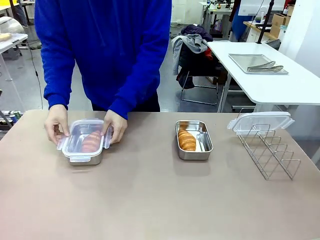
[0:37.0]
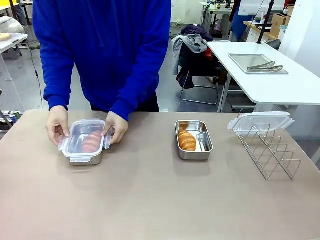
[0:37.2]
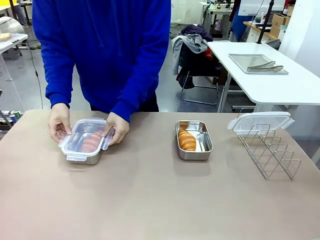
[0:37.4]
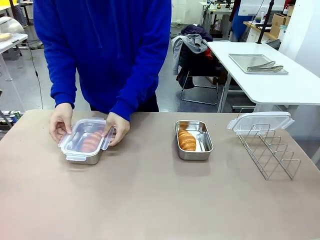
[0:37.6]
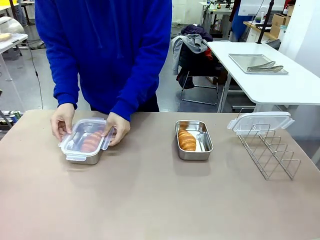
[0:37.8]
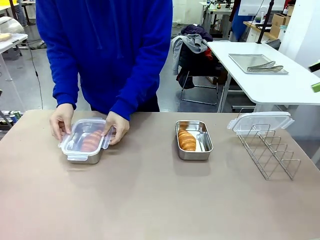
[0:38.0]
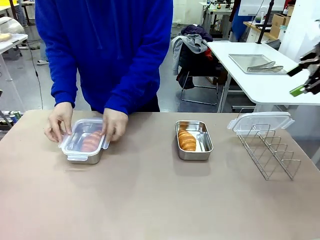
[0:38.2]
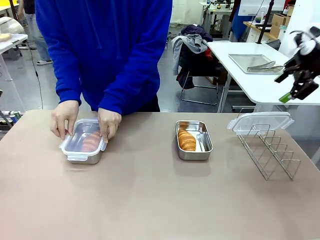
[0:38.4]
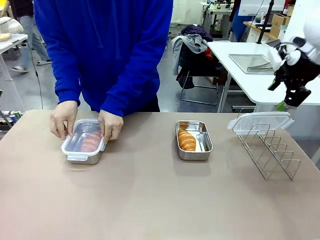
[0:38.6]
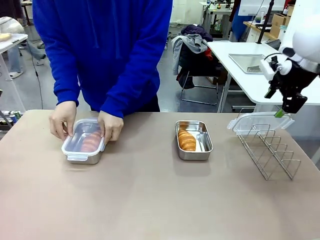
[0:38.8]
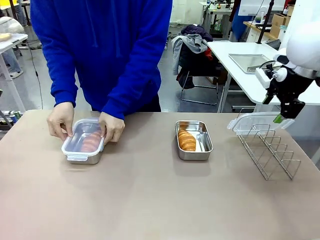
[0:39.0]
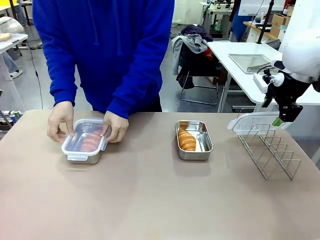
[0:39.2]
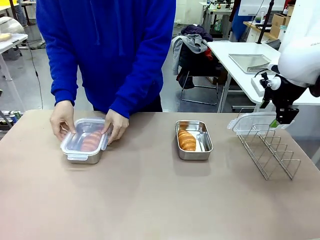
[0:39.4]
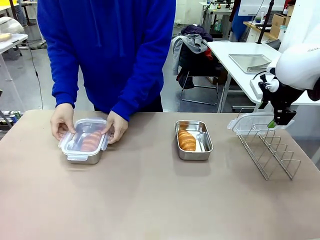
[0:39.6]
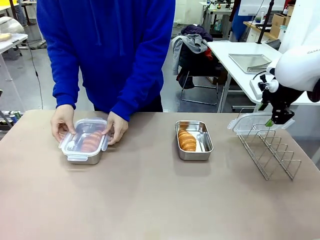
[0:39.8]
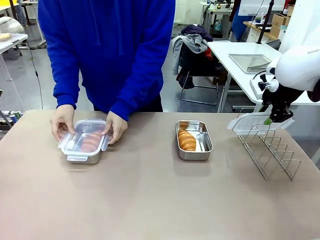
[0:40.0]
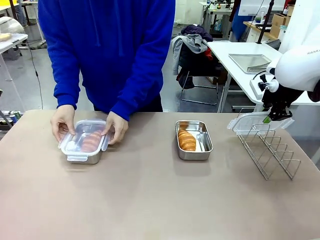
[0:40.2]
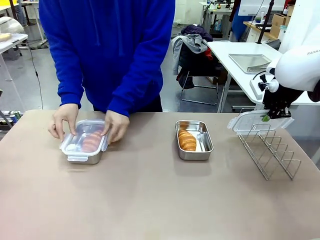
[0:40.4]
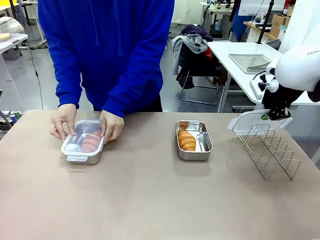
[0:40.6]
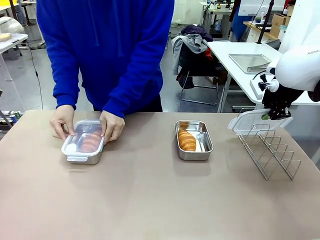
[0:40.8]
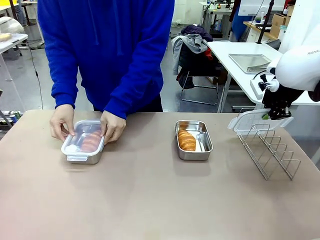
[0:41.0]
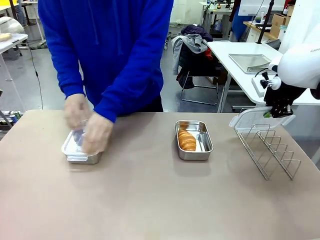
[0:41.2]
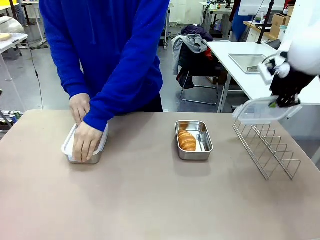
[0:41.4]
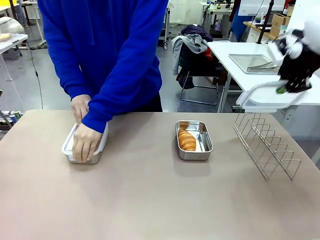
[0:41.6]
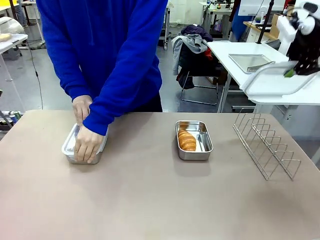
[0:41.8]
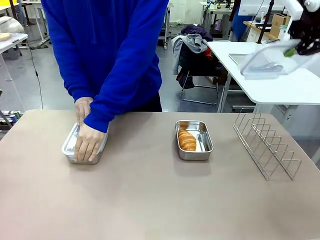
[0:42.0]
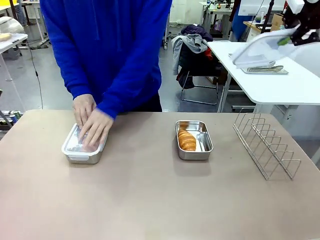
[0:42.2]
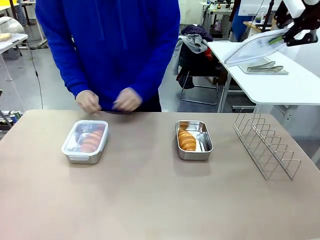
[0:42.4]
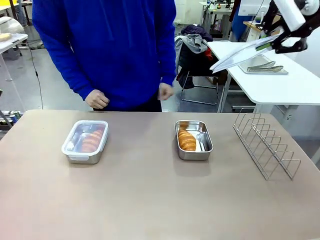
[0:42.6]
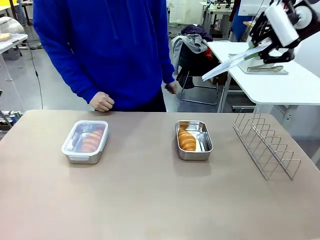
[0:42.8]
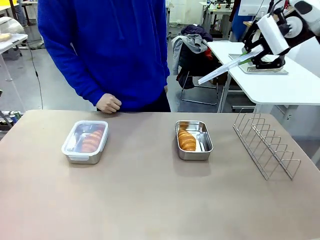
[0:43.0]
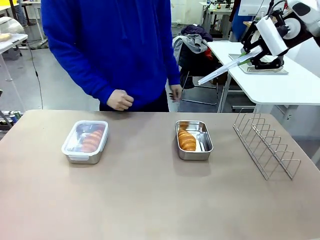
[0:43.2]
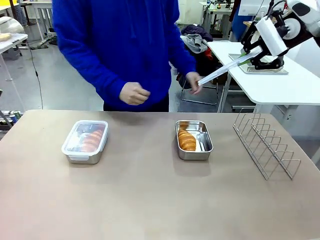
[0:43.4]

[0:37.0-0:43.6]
Task: Place the bread in airtight containers.
Robot: Pick up one Airtight Container lid and hand it to the human.
Person: Close Airtight Container with a handed Airtight Container lid.

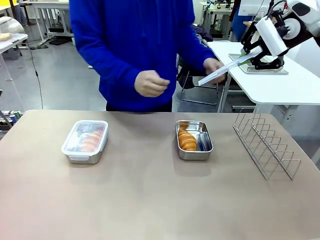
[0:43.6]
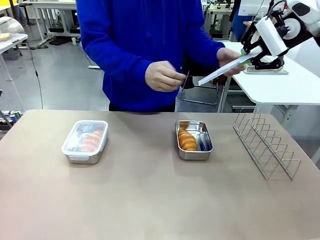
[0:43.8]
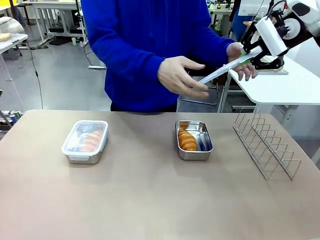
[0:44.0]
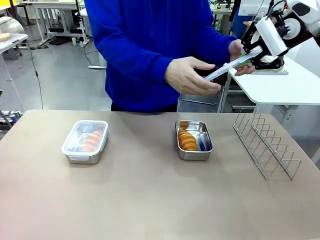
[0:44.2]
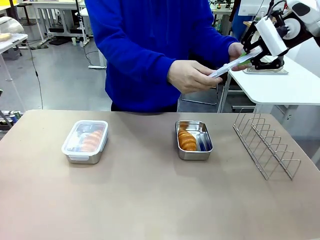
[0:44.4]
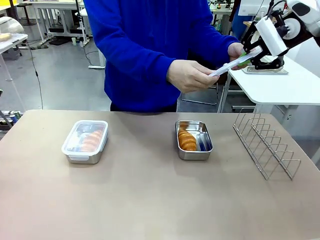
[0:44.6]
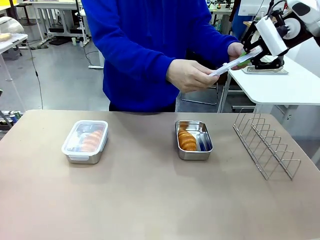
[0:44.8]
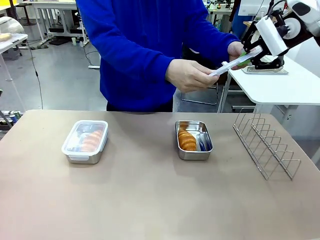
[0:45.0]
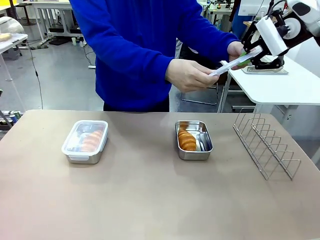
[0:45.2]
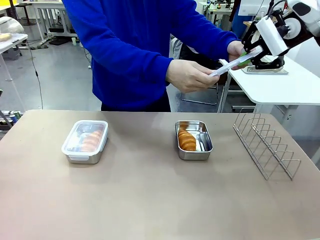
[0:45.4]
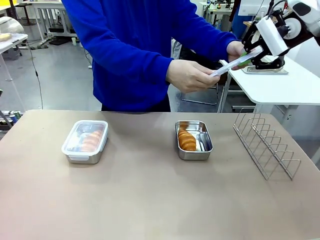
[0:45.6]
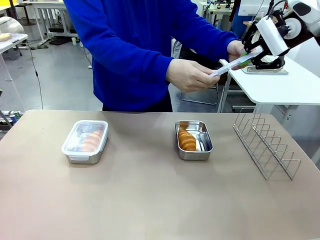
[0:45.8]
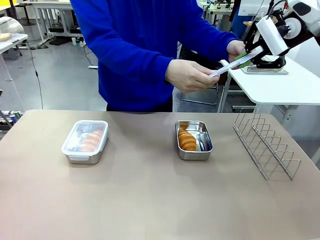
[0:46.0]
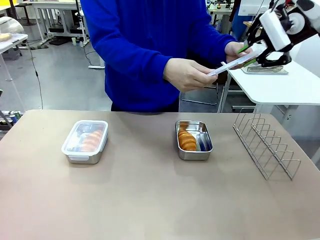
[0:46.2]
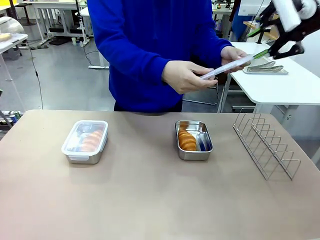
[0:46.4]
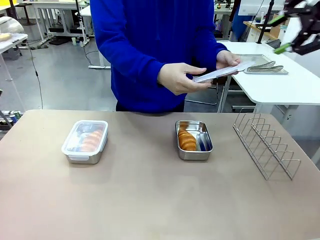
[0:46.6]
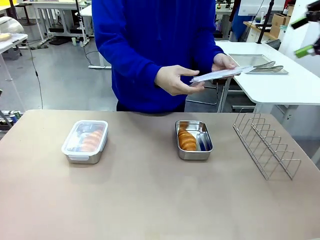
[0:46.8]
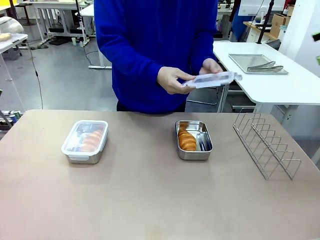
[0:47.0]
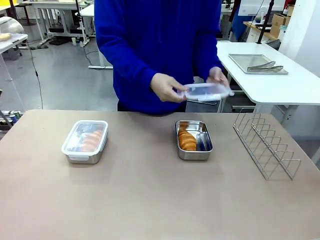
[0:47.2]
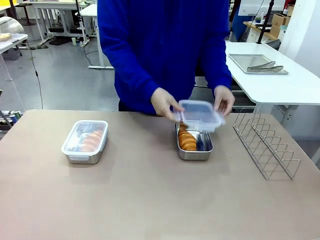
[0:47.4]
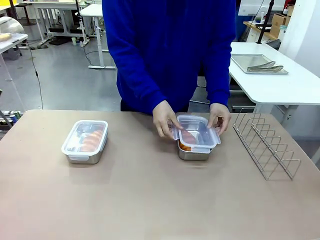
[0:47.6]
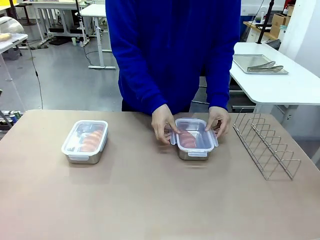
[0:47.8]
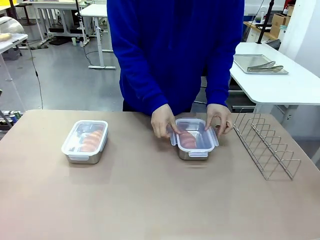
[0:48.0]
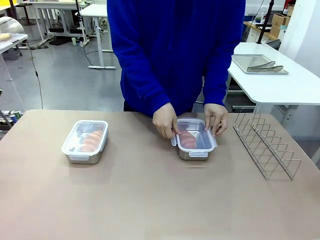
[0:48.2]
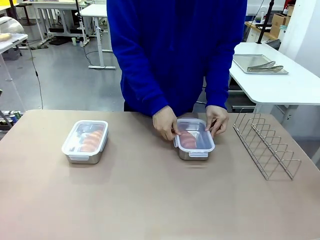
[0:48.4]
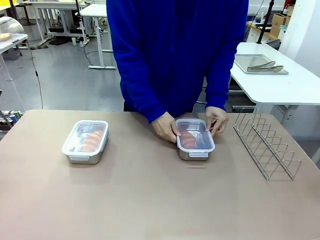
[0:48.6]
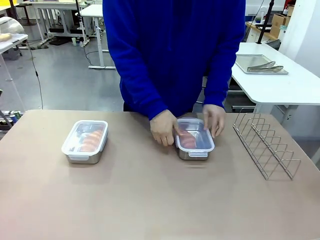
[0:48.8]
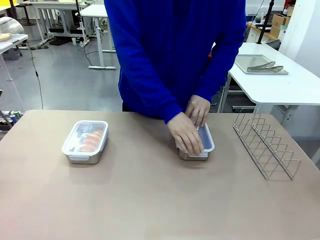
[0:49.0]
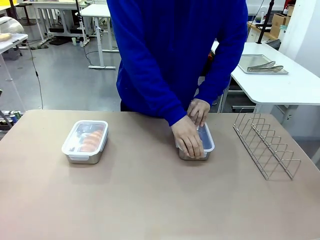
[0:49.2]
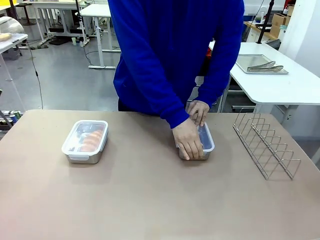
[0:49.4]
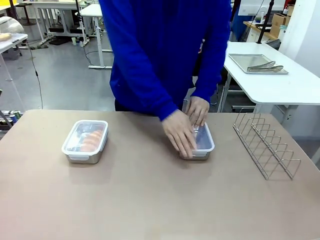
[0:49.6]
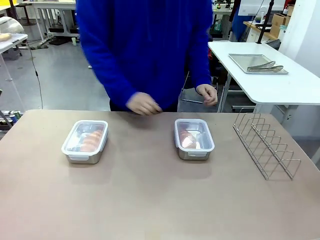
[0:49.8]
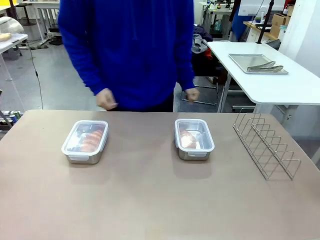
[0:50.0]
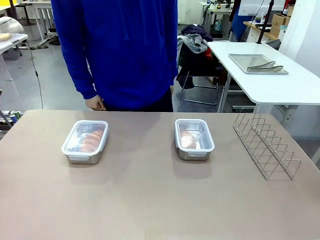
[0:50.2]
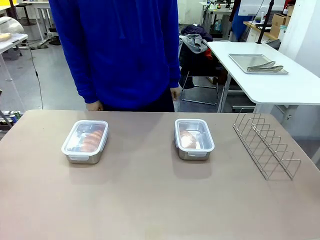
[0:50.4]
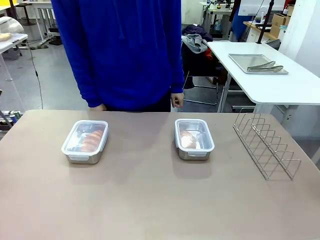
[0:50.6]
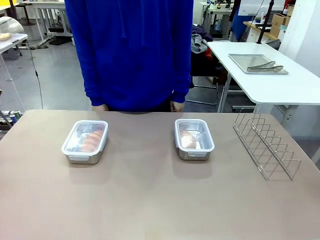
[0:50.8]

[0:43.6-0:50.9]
Robot: Release when the human grabs the Airtight Container lid.
Person: Grip Airtight Container lid that robot is handing. Close Airtight Container with a handed Airtight Container lid.
